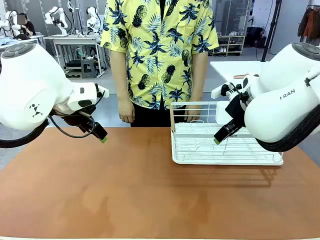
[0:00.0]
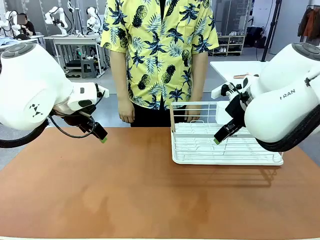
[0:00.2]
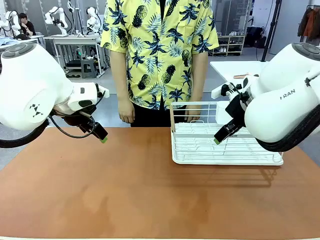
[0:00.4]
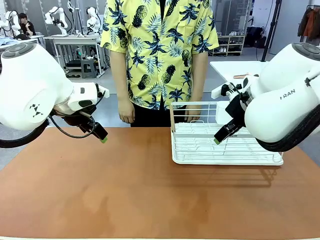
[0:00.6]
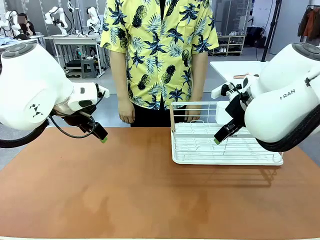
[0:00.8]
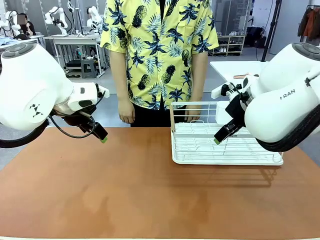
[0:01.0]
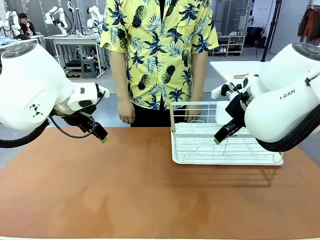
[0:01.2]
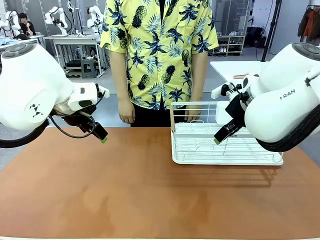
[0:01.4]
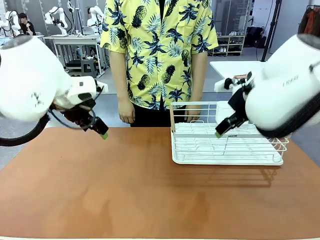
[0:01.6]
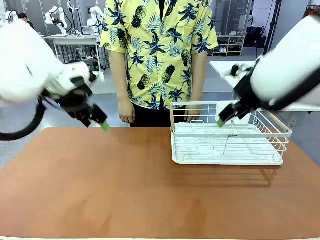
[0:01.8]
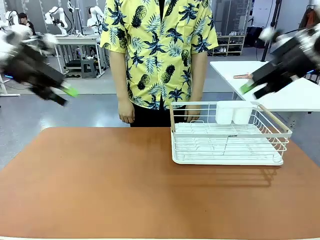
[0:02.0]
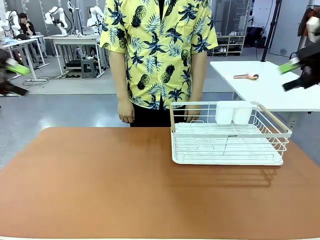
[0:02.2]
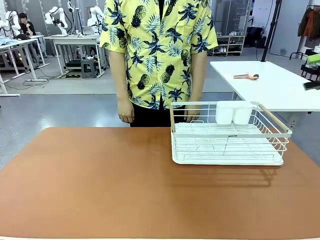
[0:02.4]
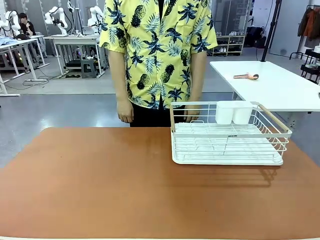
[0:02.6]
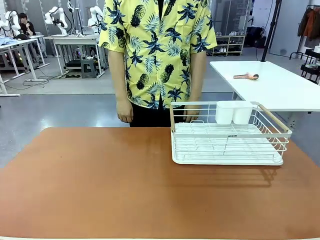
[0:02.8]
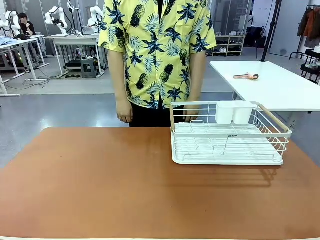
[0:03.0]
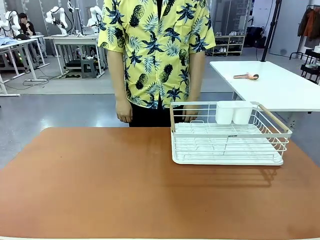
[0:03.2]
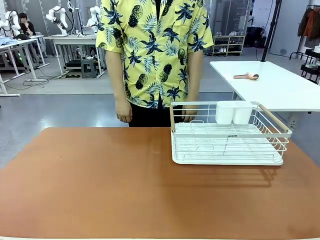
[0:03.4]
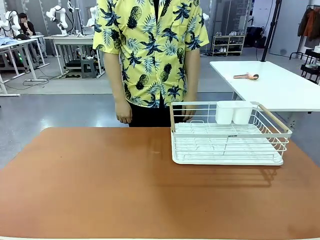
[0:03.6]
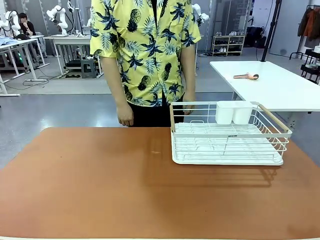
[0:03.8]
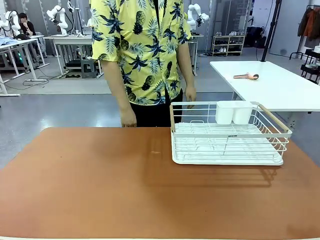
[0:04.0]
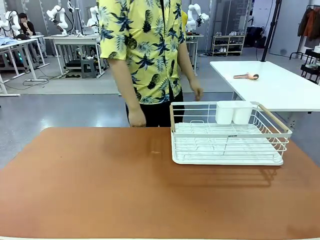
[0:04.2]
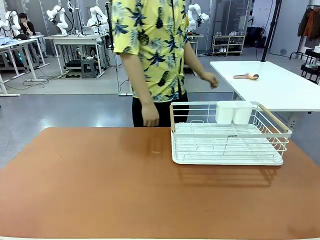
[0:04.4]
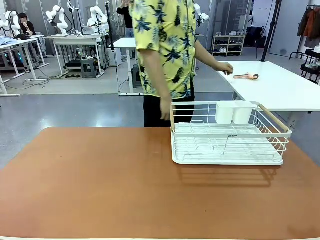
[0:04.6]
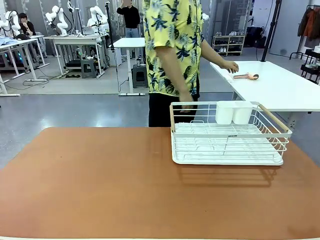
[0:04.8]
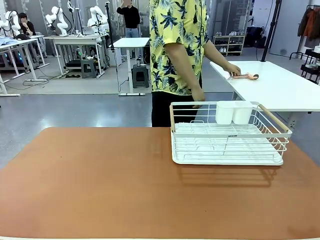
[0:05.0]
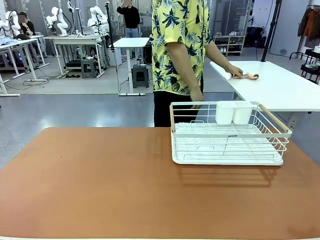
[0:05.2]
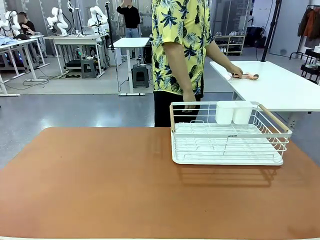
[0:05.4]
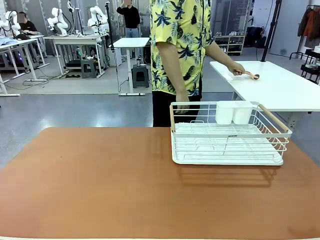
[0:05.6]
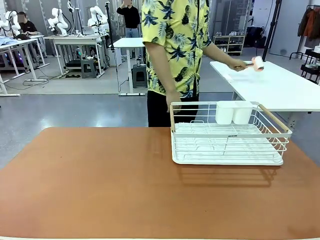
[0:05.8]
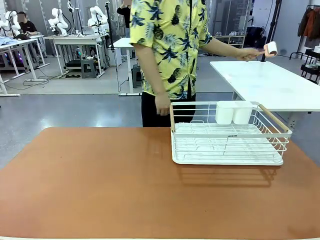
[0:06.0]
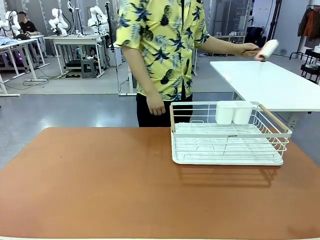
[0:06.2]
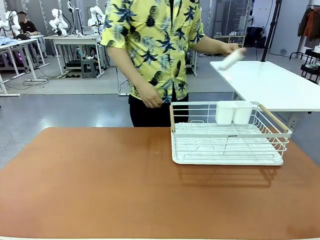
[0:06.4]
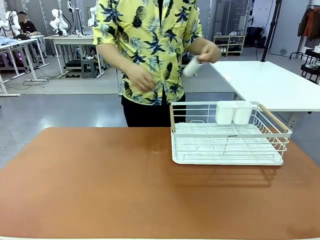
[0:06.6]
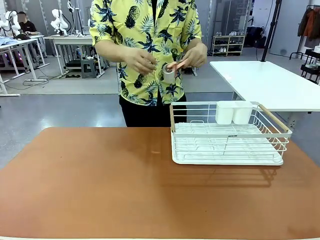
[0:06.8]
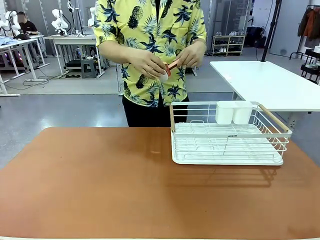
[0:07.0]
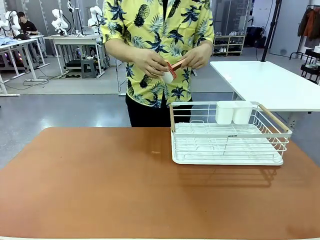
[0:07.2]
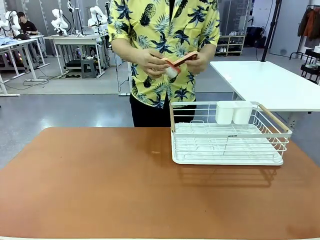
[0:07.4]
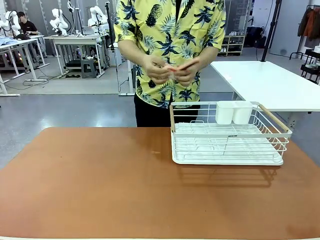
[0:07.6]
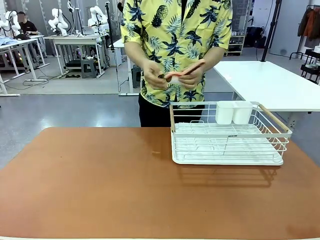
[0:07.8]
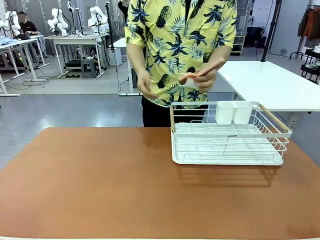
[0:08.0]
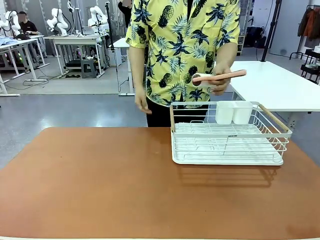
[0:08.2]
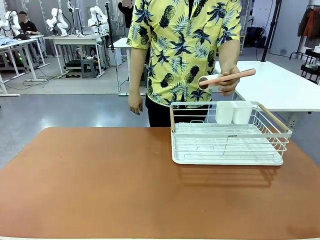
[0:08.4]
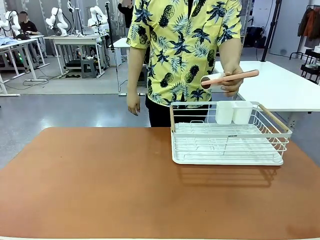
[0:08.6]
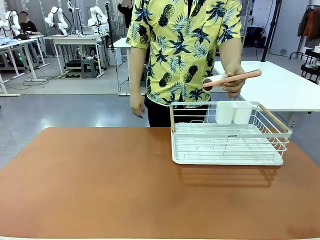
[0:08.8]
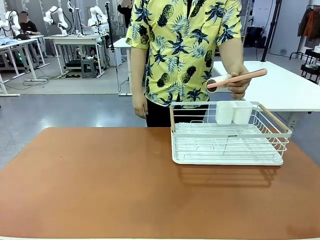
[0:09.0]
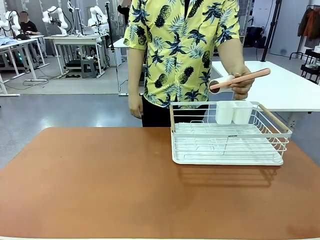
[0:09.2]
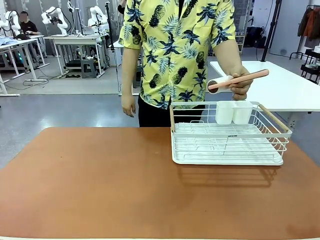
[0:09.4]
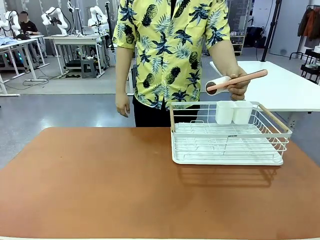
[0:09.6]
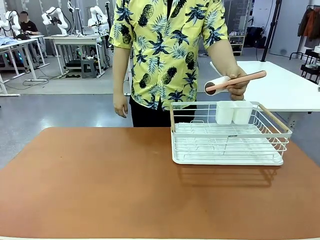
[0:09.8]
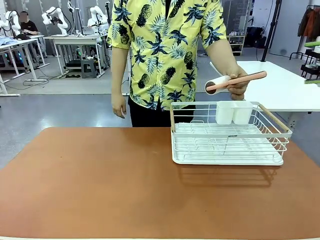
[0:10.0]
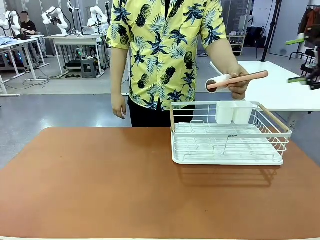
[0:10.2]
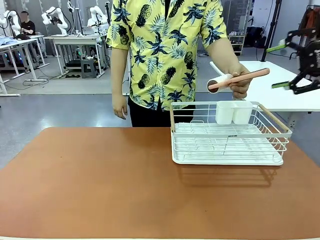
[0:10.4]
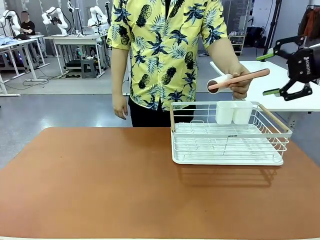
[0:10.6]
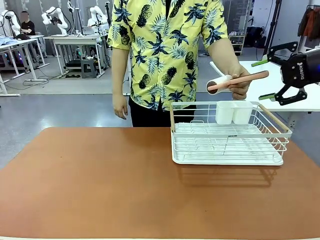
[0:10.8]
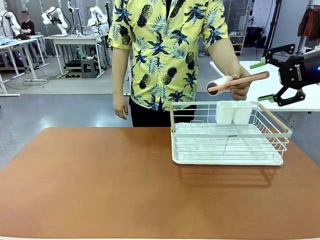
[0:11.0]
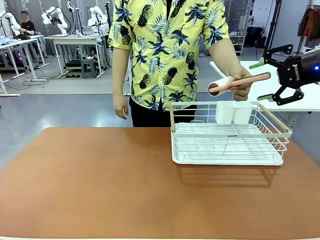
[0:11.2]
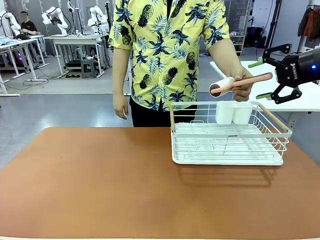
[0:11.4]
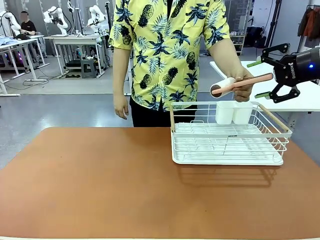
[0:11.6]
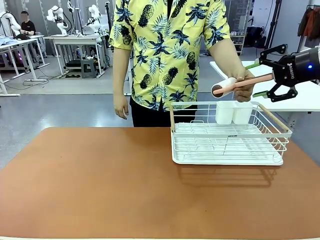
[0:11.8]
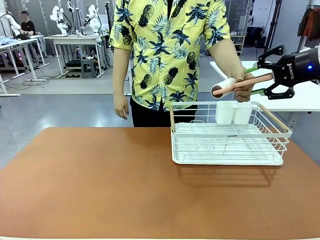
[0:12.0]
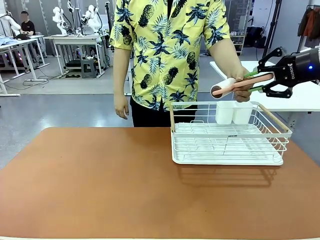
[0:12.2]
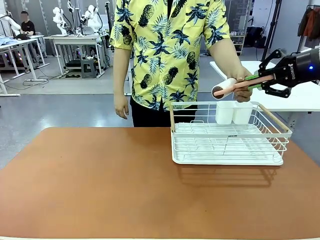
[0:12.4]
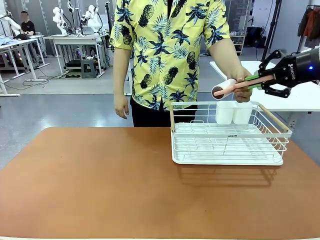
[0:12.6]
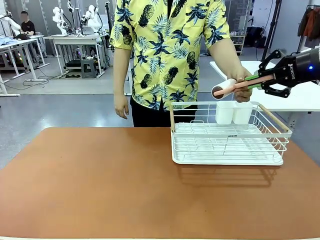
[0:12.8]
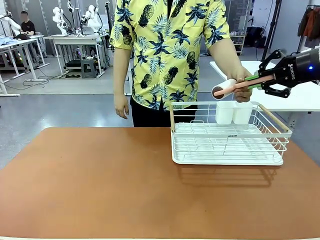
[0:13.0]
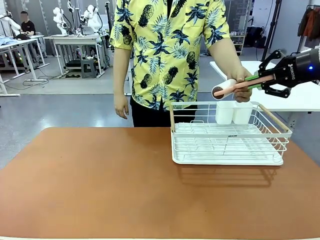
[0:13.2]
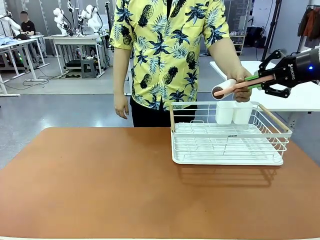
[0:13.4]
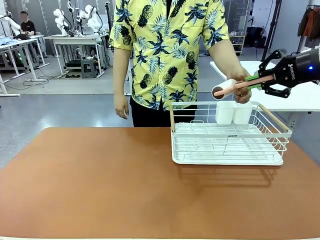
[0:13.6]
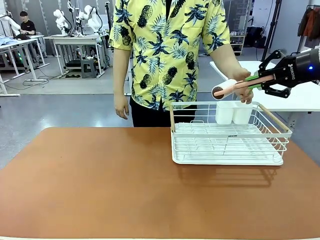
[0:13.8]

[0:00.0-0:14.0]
Task: Clean the table.
Robot: Pick up the Lint Roller when the human hands it over.
Person: Hand the Lint Roller to the robot so it can easily pick it up. Lift the Dish drying rack.
